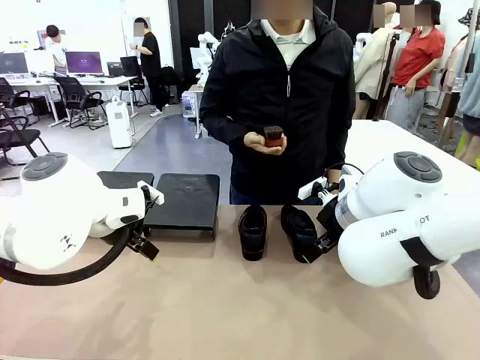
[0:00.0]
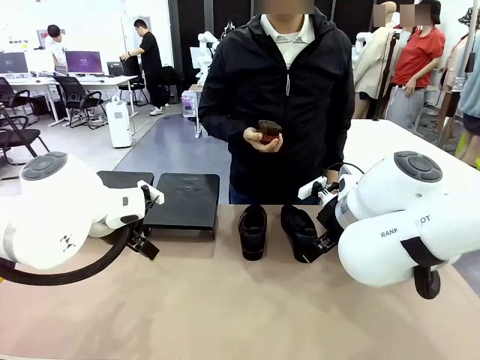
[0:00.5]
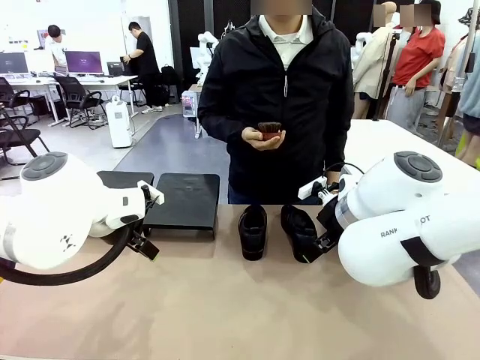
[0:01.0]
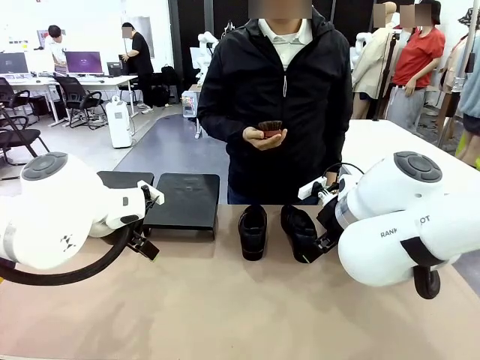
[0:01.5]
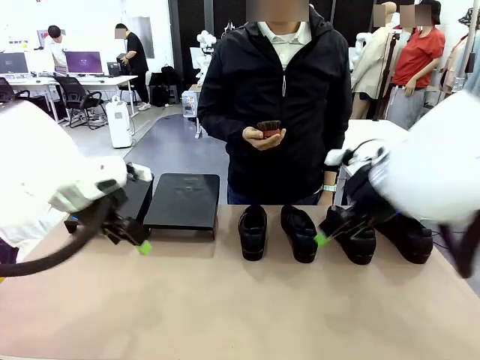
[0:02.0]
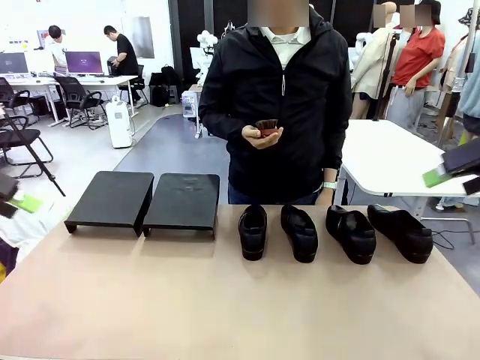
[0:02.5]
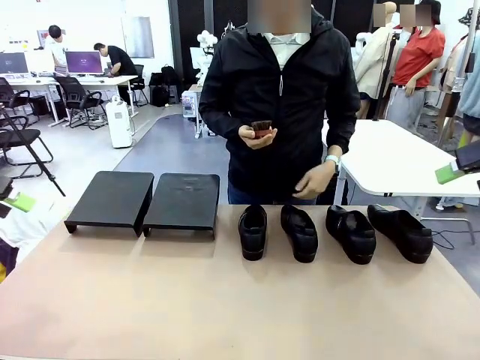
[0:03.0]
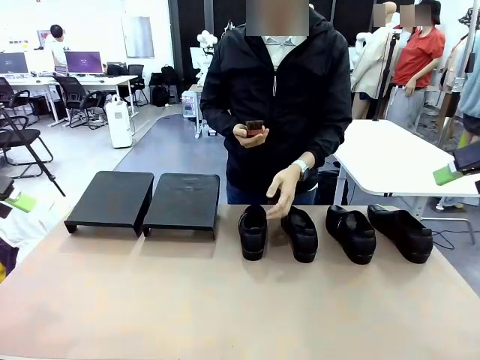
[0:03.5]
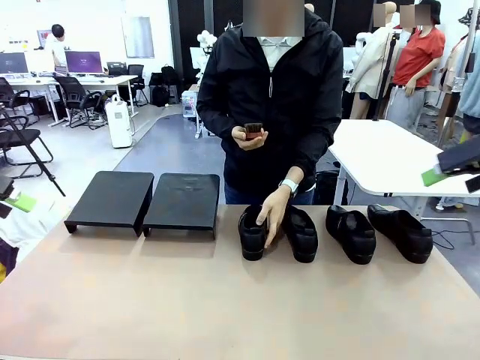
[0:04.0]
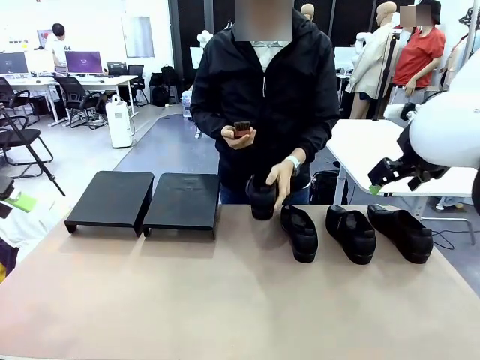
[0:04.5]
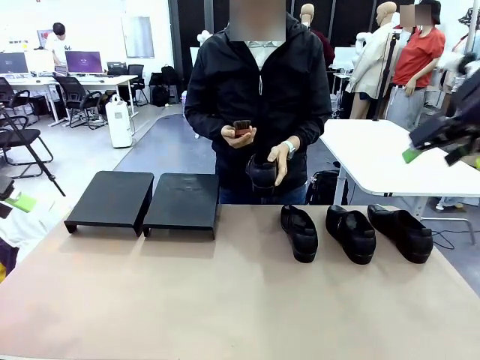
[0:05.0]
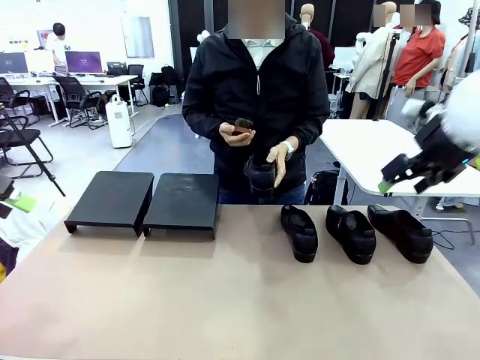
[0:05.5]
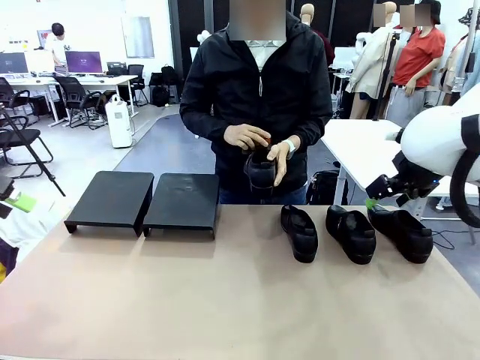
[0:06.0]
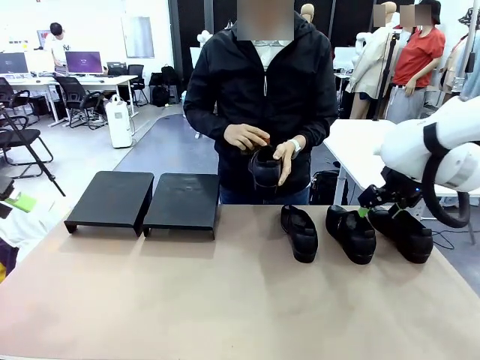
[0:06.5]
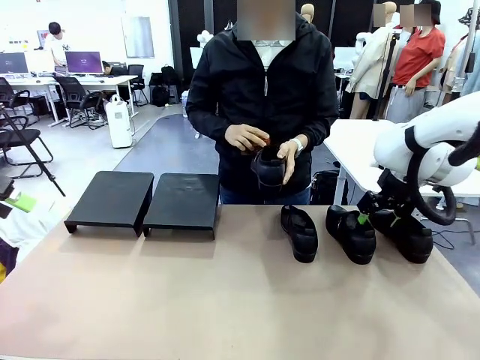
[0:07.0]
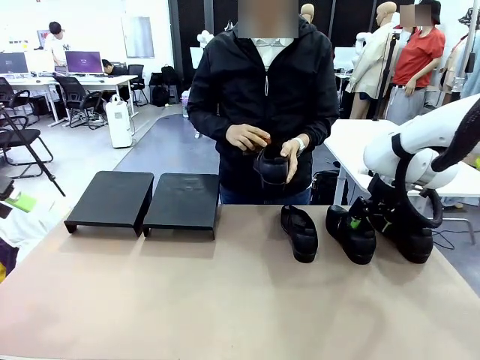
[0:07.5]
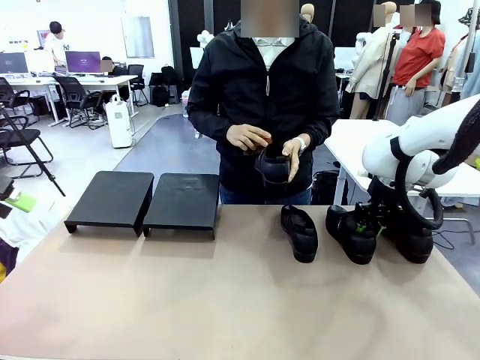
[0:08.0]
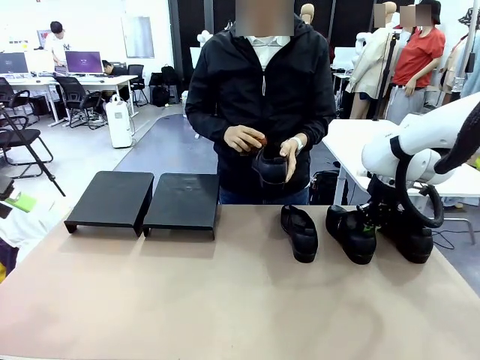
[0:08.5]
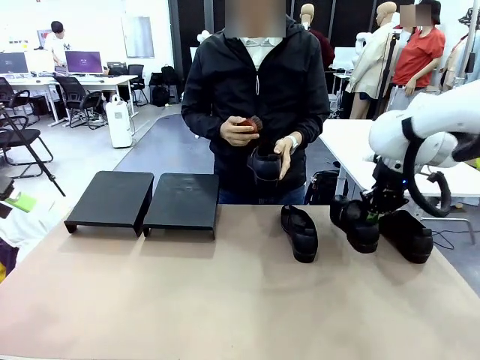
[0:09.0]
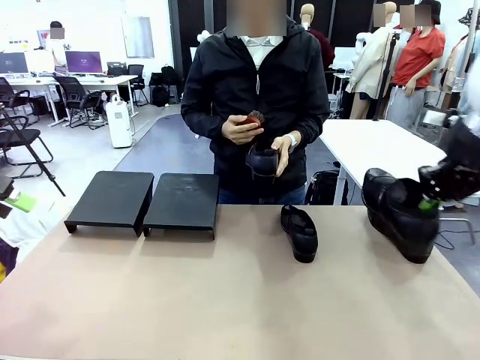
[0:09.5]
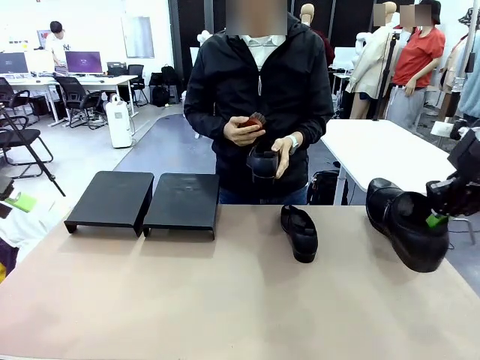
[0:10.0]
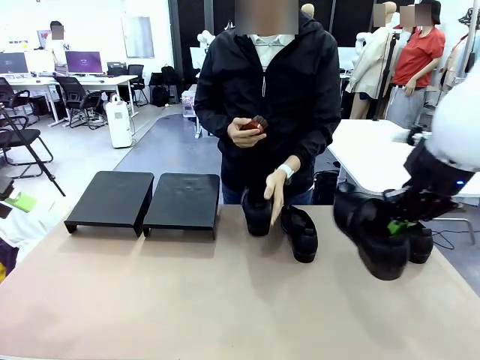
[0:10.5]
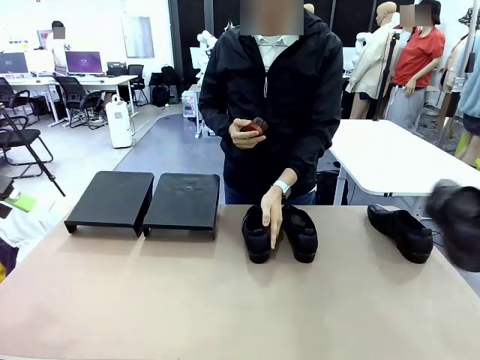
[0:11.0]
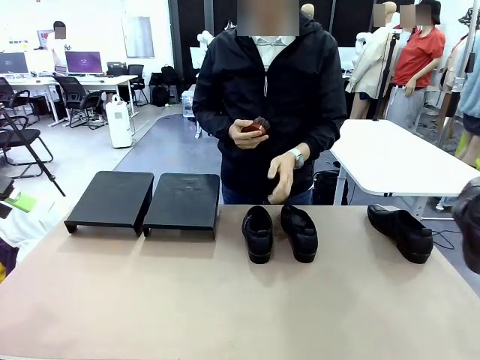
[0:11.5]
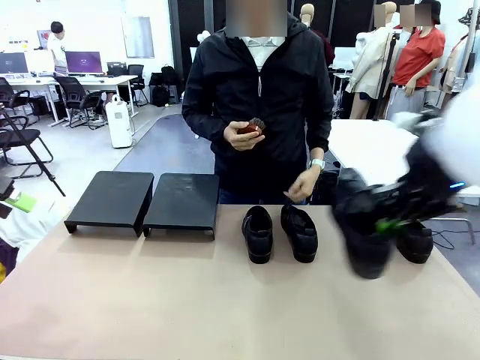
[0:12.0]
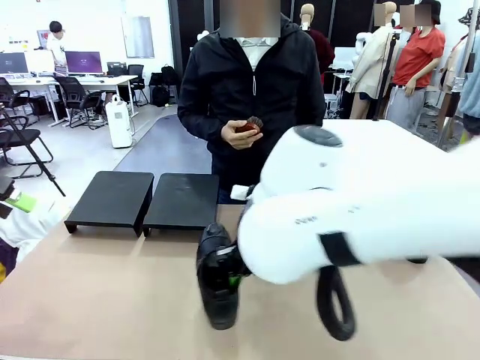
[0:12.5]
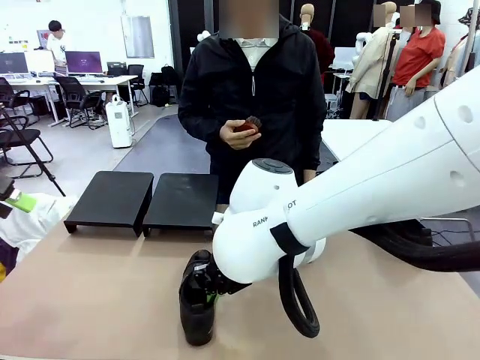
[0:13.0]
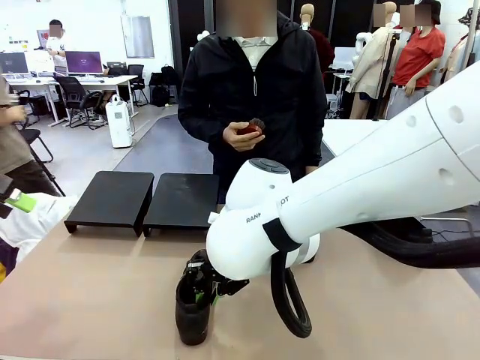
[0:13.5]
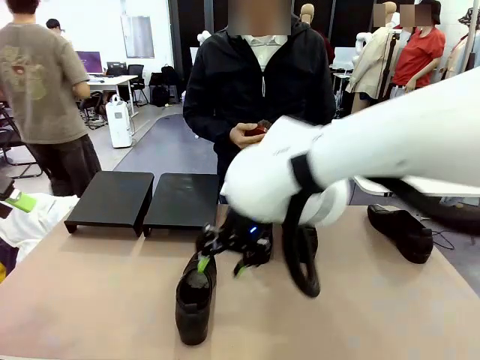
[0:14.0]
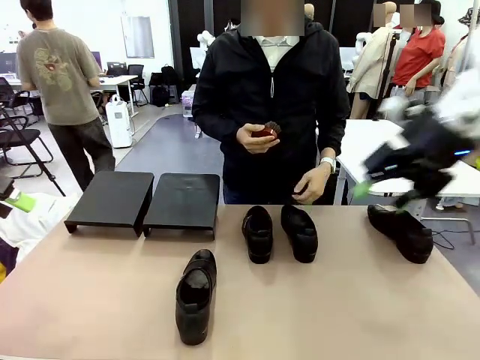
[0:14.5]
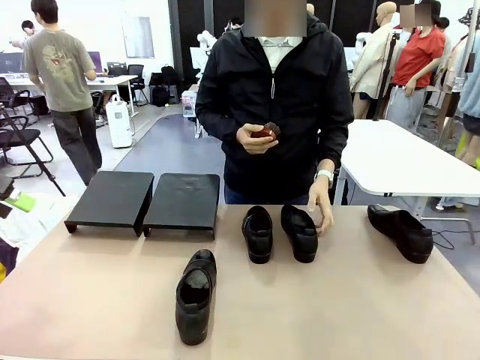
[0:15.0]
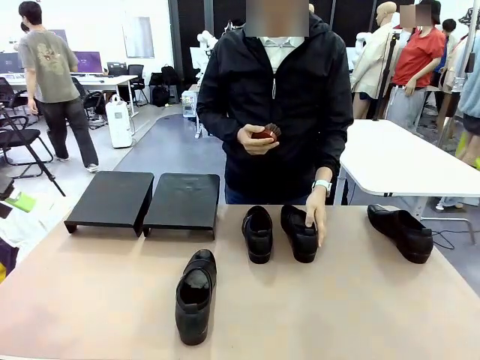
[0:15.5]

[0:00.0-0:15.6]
Task: Organize the shoes by placing them on the stand.
Robot: Pick up one Shoe and place it in the middle of the table.
Person: Pick one Shoe on Robot's table. Clean the Shoe with the Shoe Brush. Place the Shoe on left side of the Robot's table. Pick one Shoe on Robot's table.

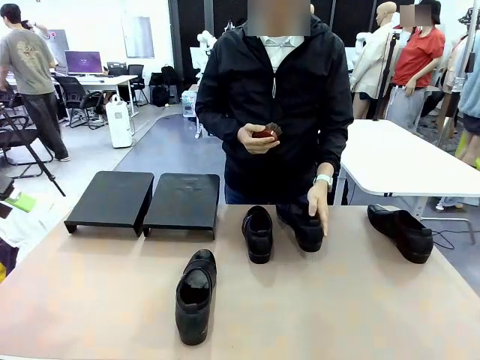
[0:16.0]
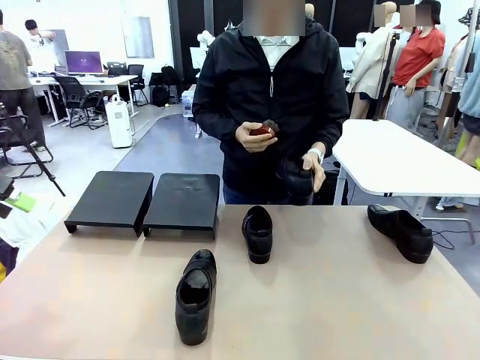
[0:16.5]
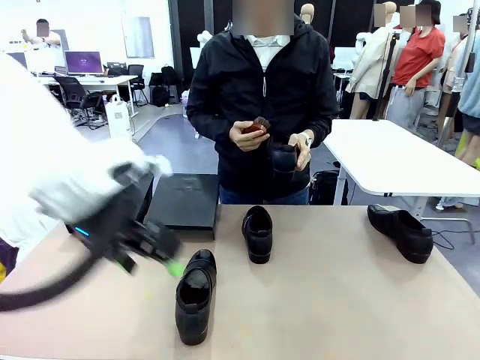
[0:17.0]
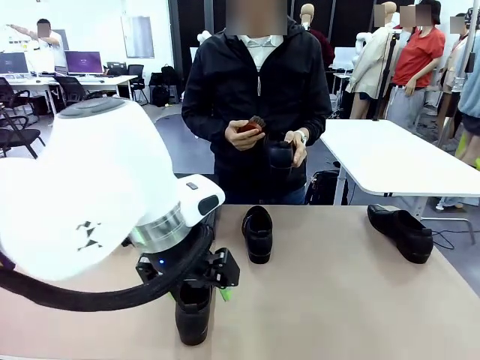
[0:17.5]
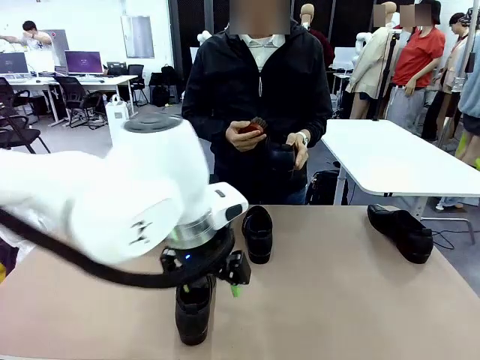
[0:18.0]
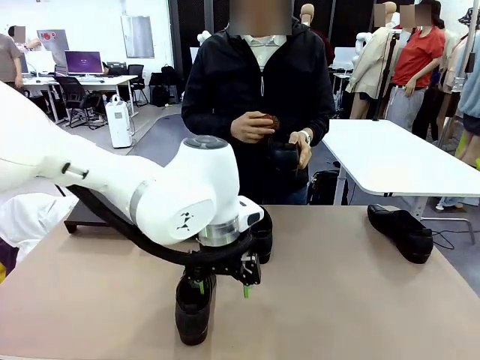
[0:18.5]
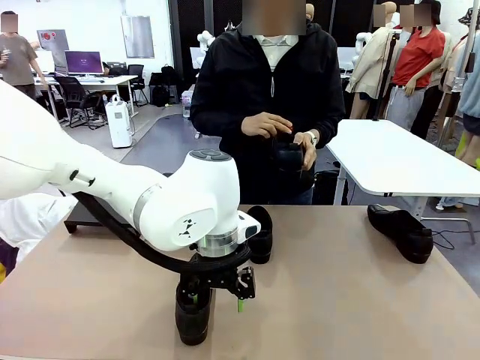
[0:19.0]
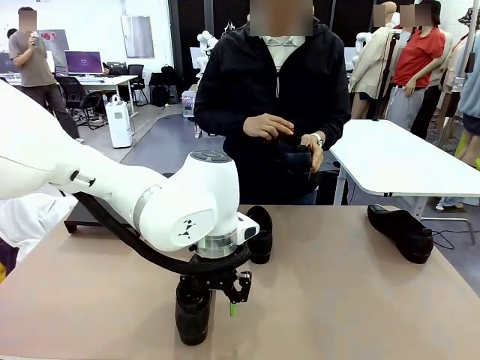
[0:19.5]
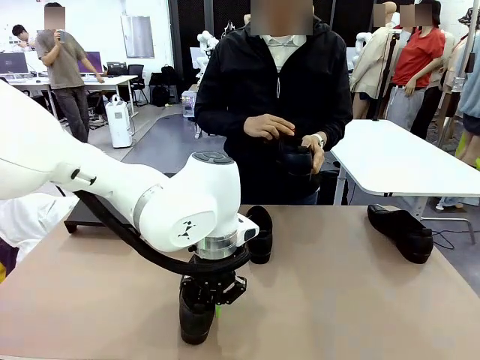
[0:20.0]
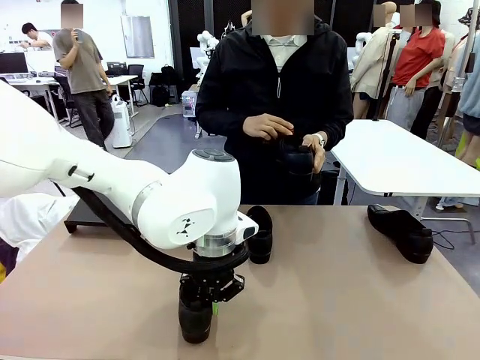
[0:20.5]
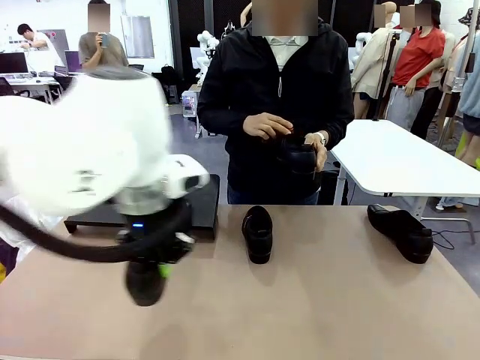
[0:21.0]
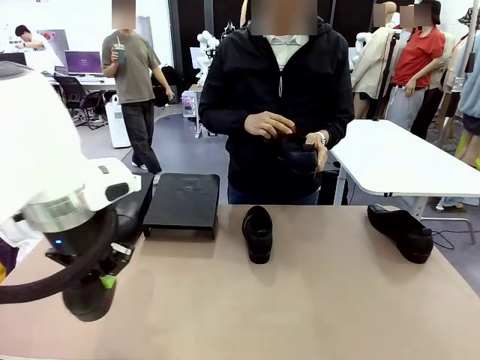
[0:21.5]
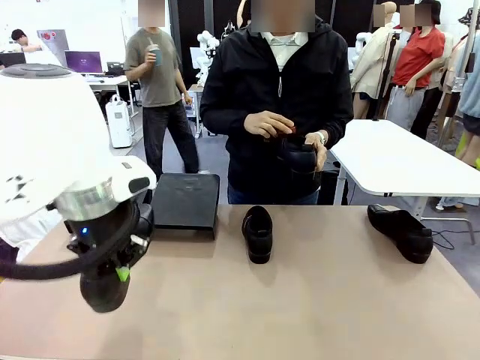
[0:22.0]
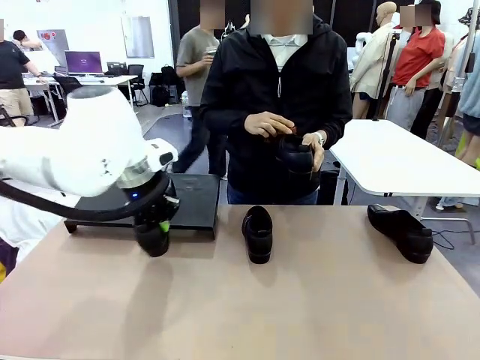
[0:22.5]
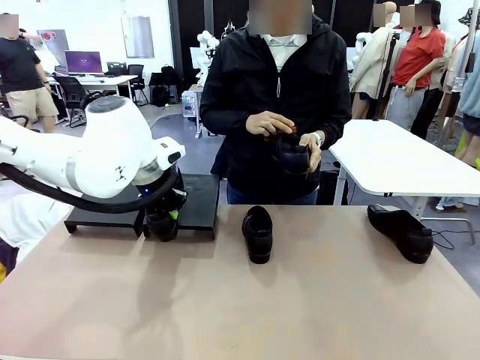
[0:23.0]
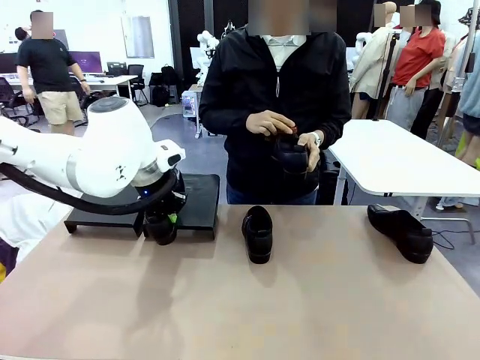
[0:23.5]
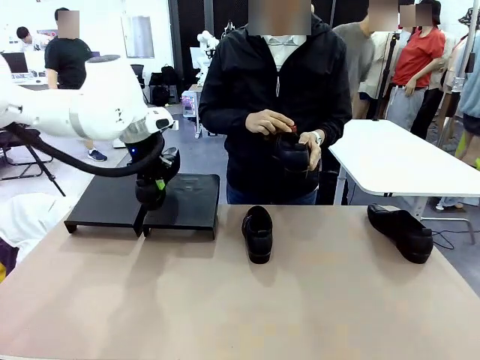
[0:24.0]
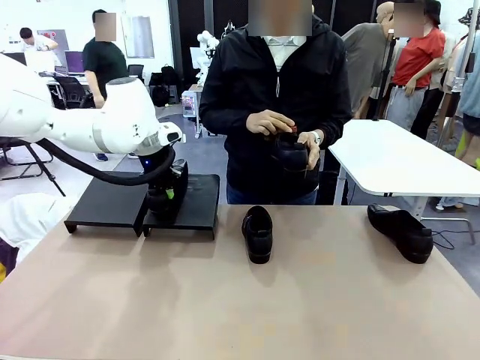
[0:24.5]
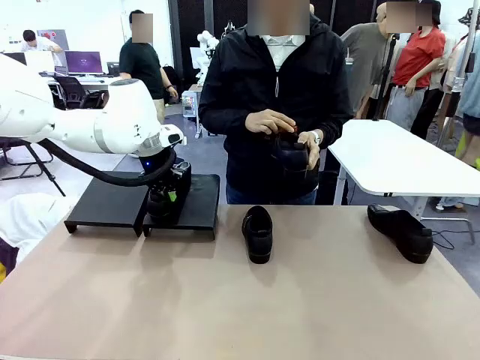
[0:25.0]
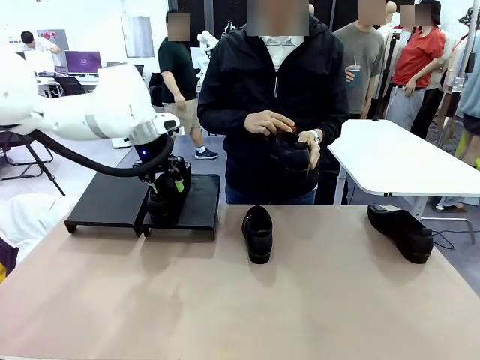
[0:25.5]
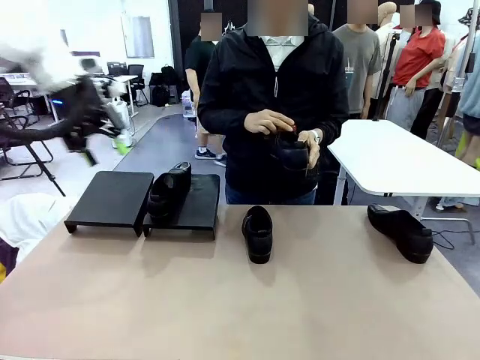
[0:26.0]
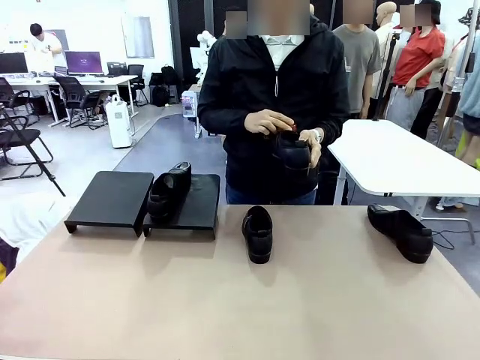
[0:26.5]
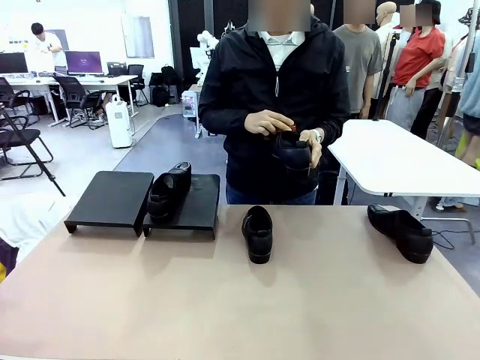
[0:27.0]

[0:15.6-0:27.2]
Robot: Place the Shoe from the middle of the table onto the Shoes Stand.
Person: Clean the Shoe with the Shoe Brush.
